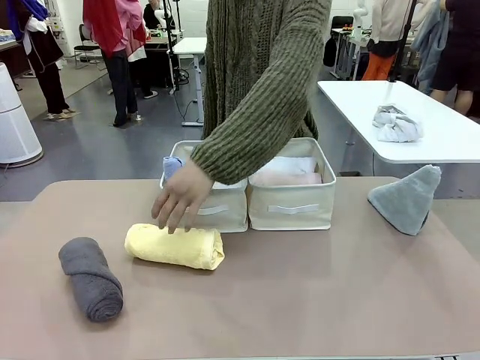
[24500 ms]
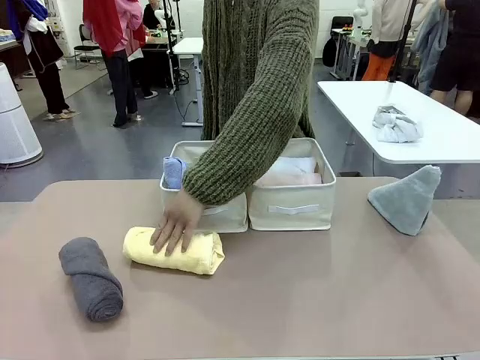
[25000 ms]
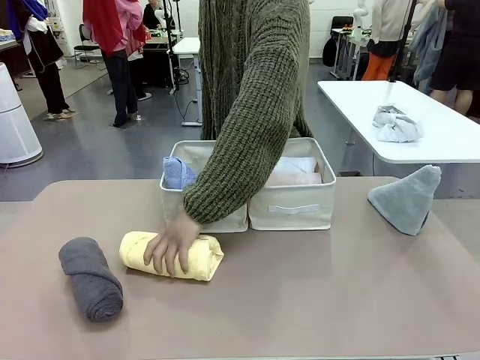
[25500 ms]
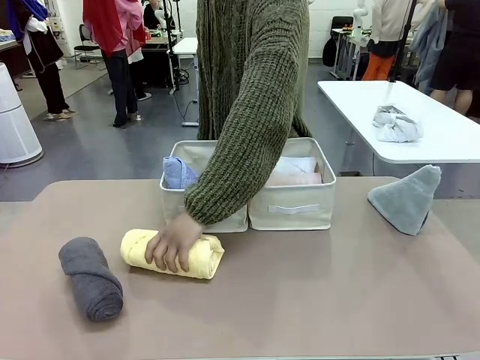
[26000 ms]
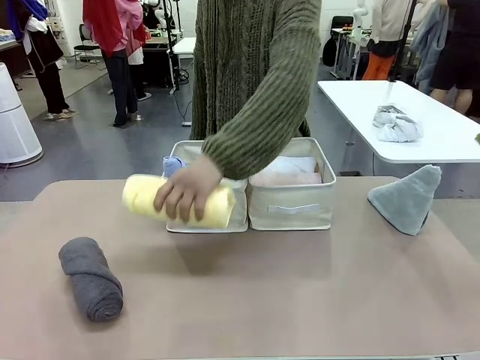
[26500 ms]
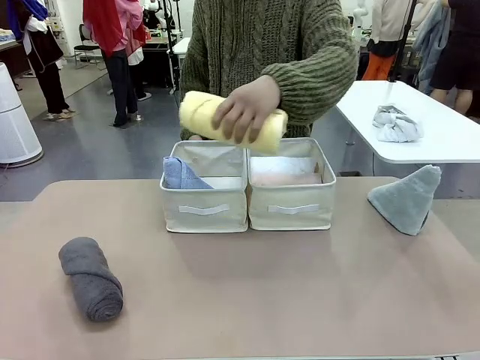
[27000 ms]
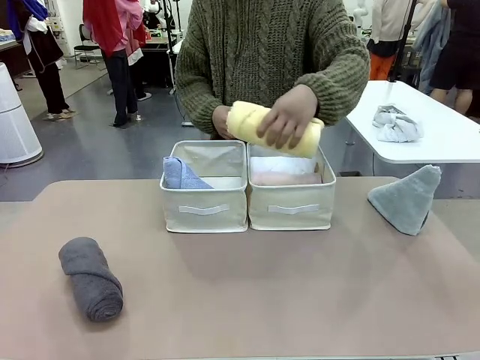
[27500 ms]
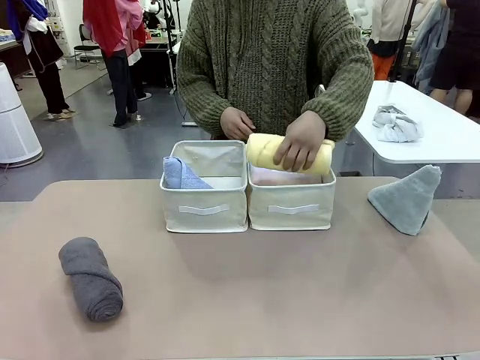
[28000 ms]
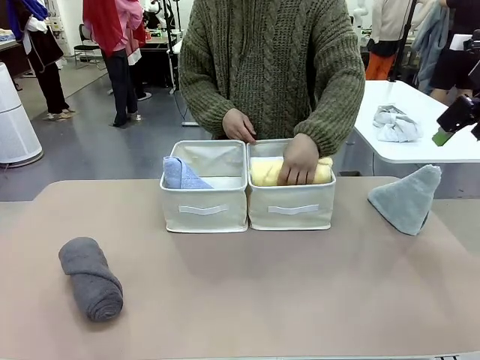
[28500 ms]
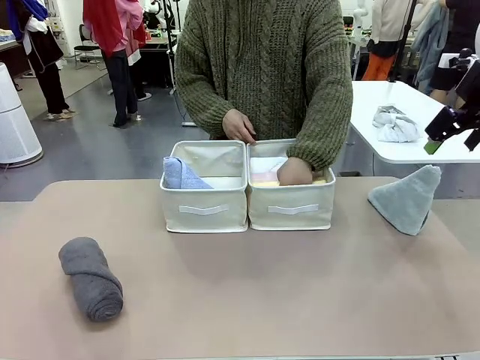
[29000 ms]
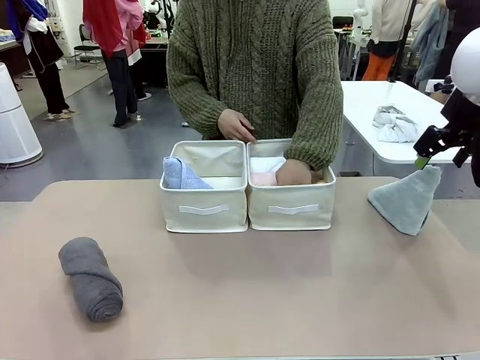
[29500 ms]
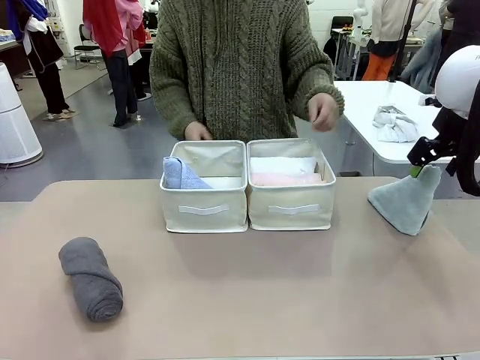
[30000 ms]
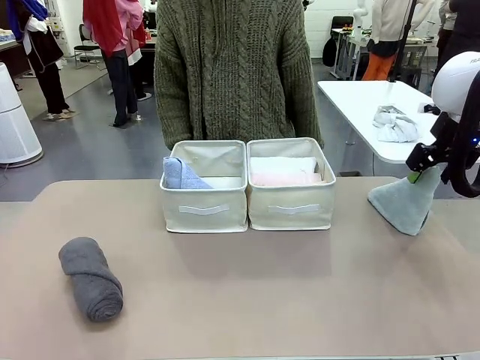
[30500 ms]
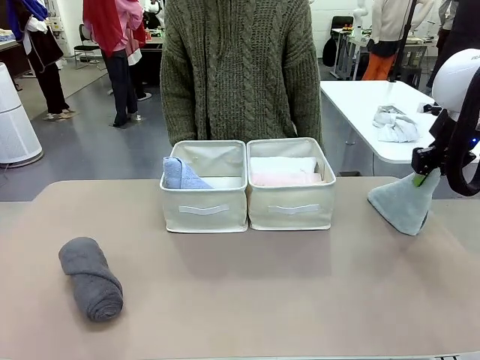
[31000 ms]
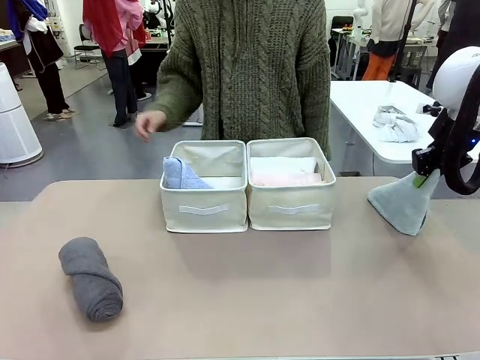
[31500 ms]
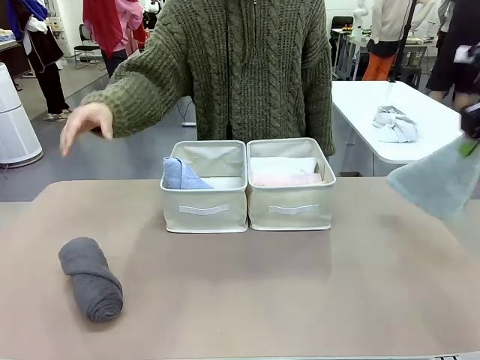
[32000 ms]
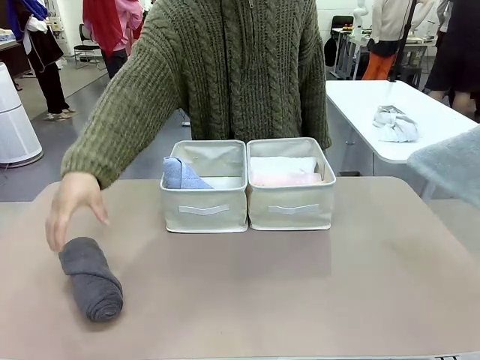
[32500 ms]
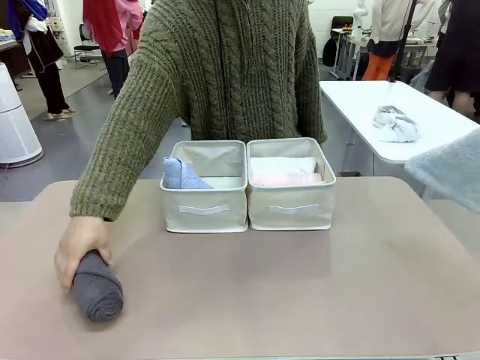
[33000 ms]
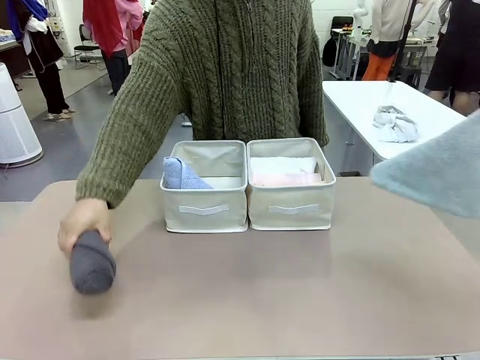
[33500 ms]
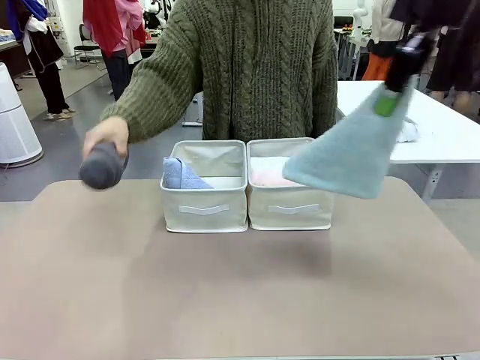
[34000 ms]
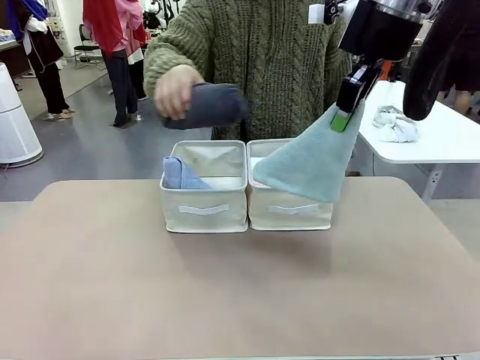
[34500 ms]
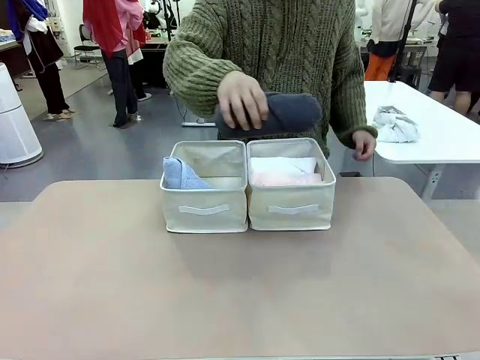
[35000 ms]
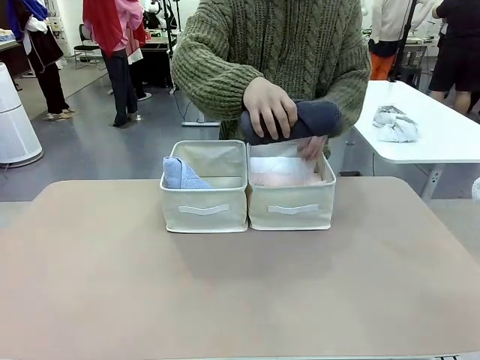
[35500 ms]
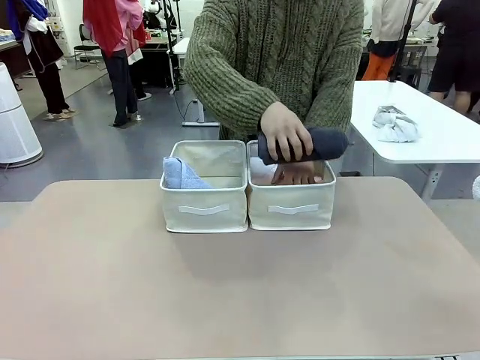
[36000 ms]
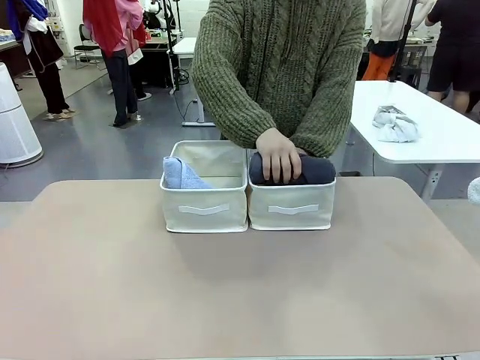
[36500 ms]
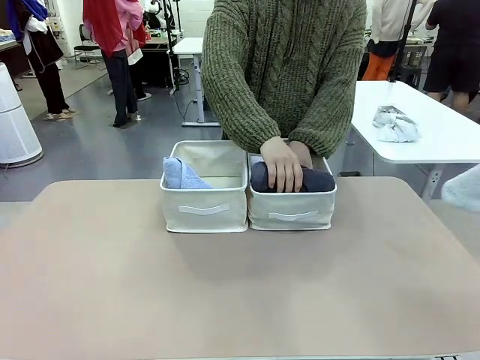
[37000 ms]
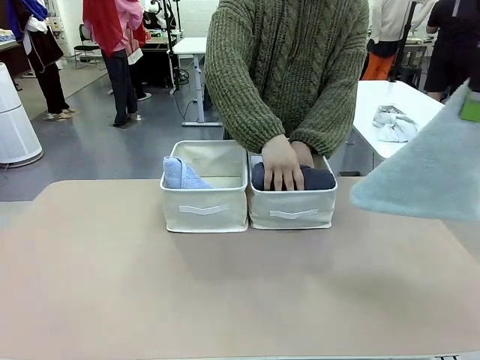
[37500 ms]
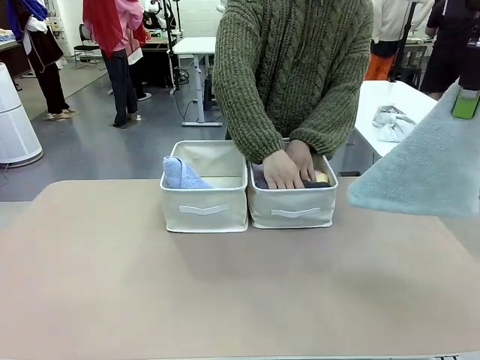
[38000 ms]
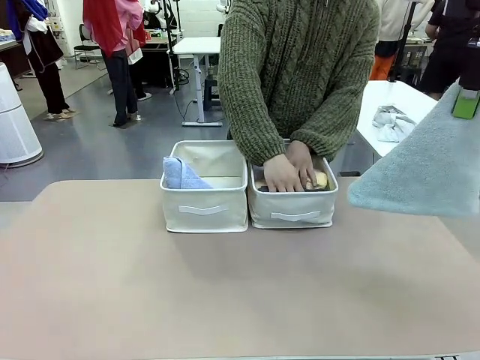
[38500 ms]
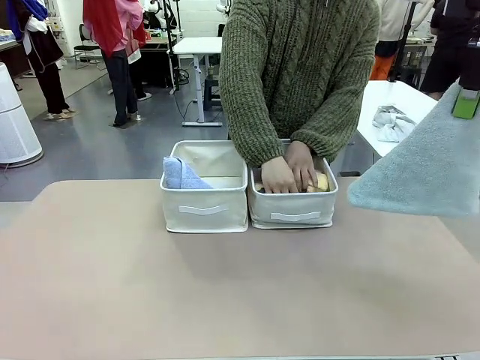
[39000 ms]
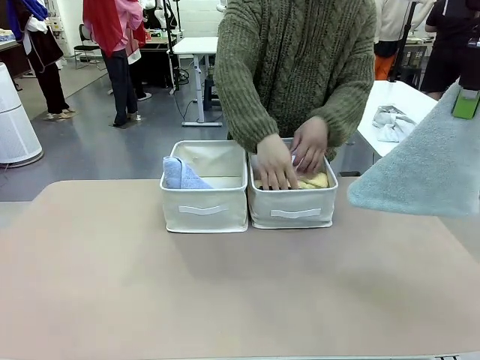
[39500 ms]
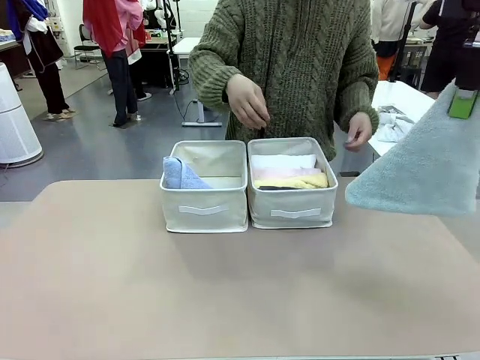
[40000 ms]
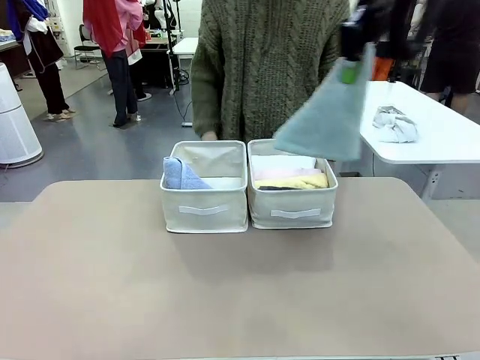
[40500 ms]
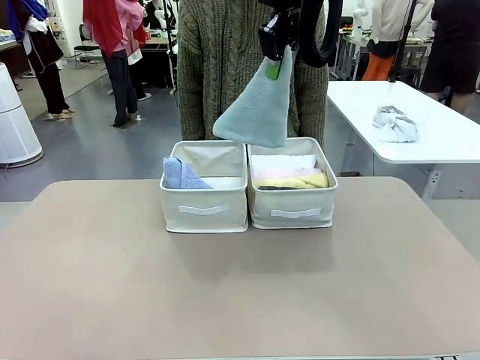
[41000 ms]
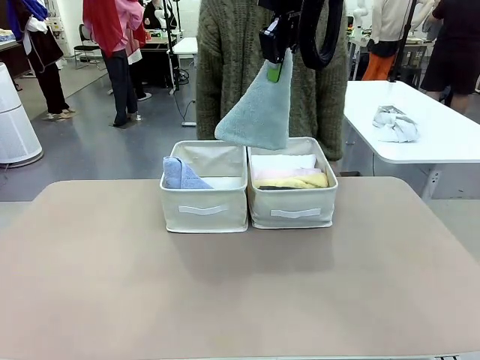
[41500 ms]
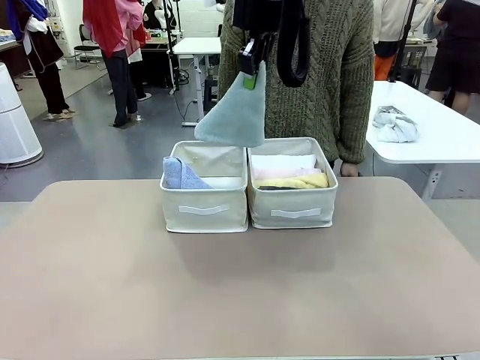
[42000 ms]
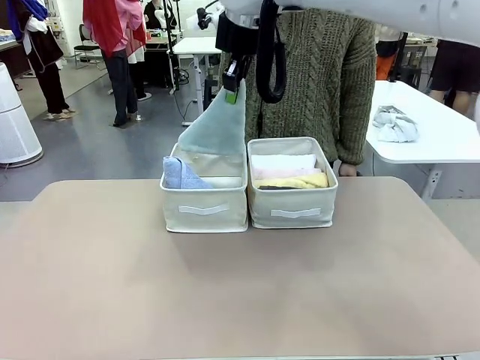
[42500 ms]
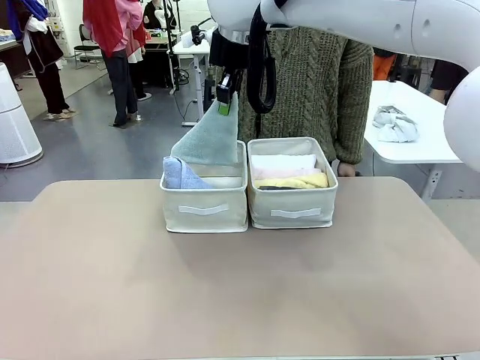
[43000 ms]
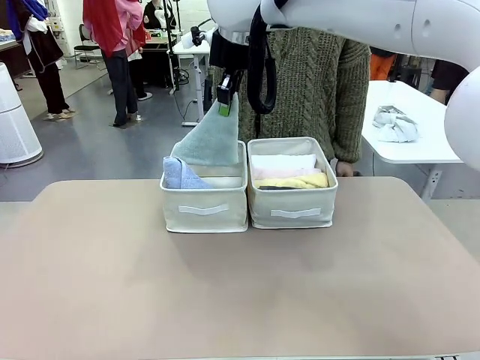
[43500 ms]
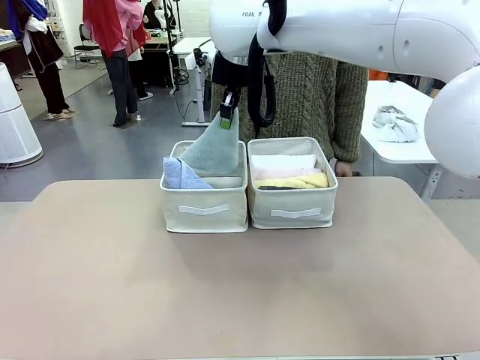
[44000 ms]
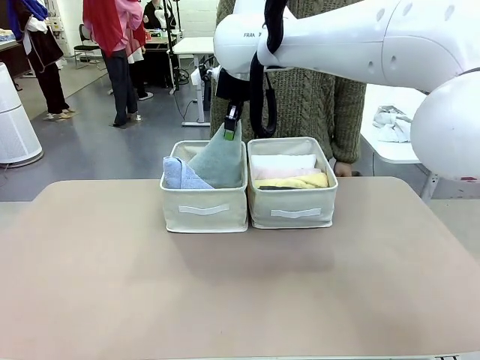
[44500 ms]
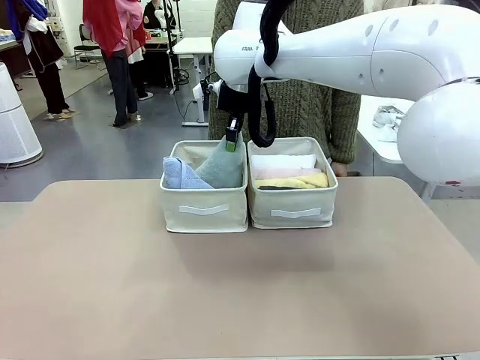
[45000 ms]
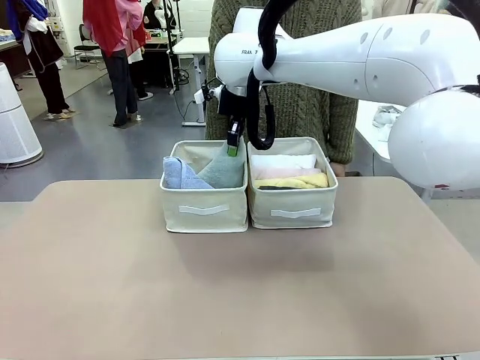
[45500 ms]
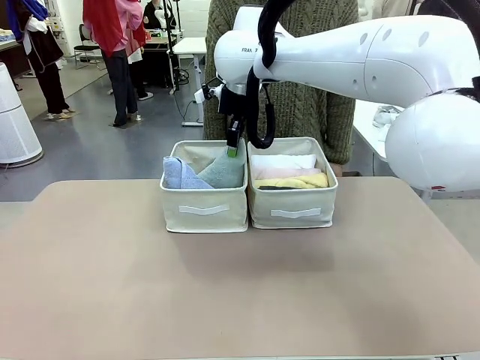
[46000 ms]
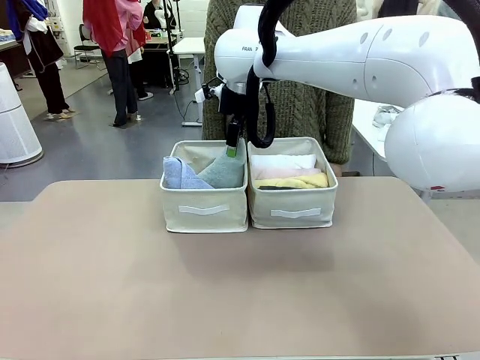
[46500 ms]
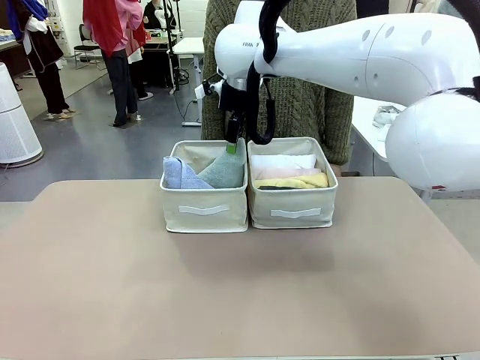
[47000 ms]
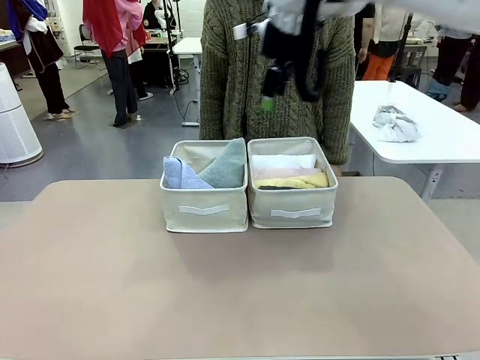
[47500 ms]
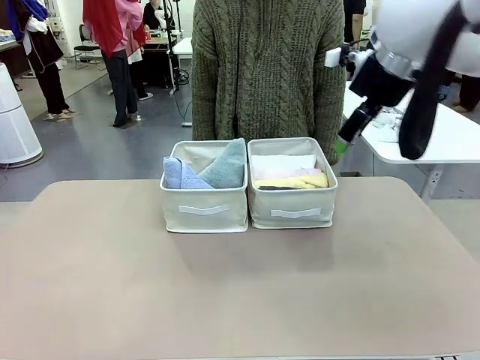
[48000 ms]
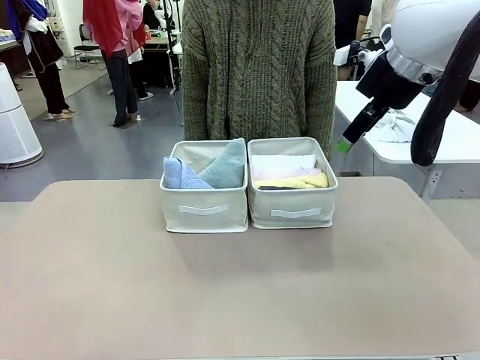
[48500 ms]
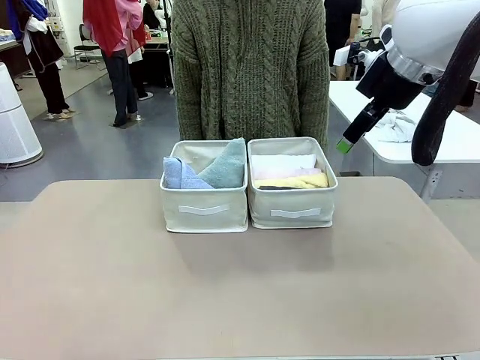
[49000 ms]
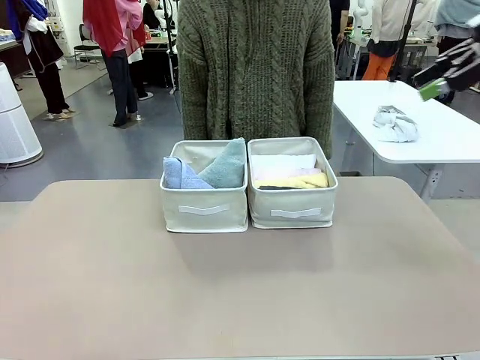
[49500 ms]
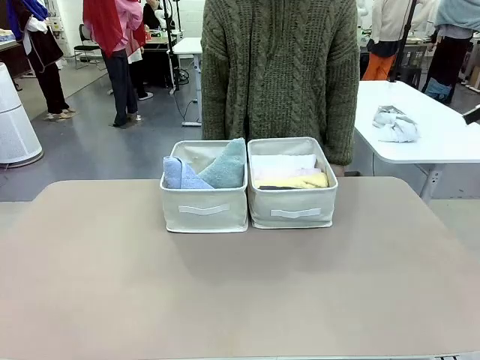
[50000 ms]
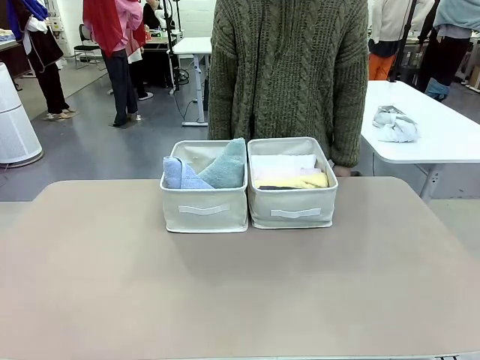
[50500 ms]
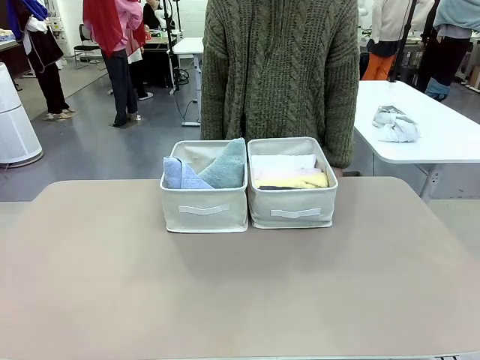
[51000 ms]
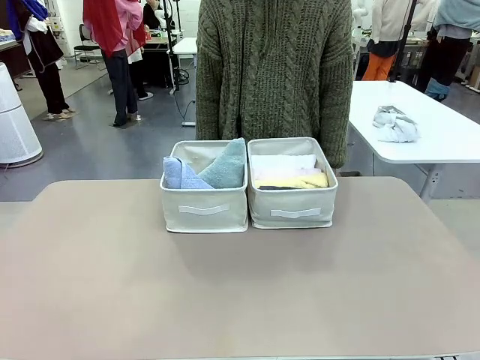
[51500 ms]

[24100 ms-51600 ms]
Task: Sort the towels based on their folding style.
Robot: Pick up another triangle-folded towel from the table and place it in the left Fabric basket.
Person: Pick up one hotel-style rolled towel from the table and place it in the left fabric basket.
